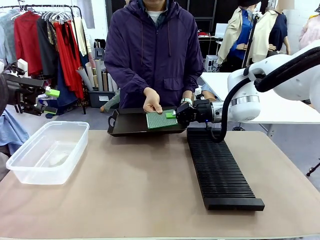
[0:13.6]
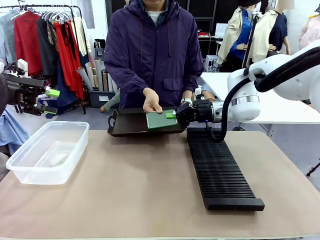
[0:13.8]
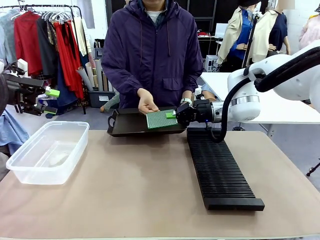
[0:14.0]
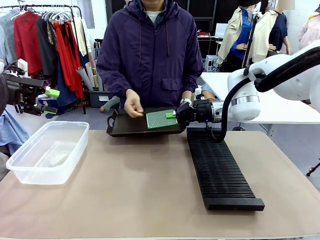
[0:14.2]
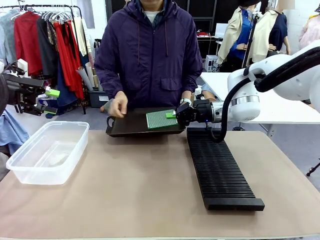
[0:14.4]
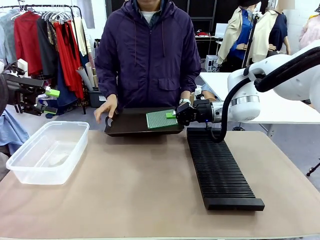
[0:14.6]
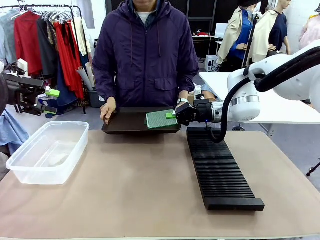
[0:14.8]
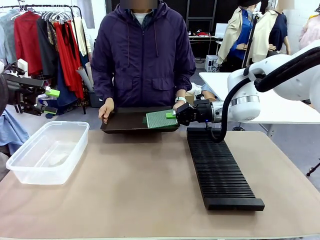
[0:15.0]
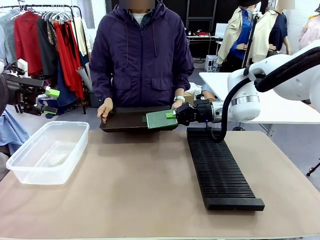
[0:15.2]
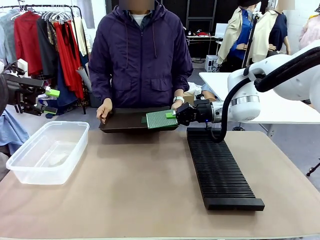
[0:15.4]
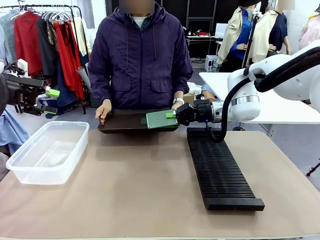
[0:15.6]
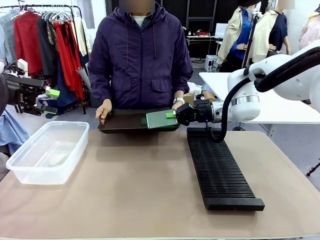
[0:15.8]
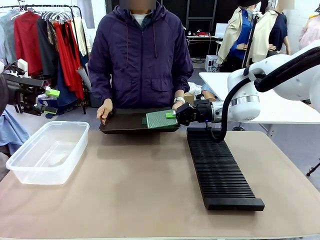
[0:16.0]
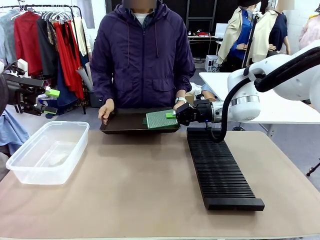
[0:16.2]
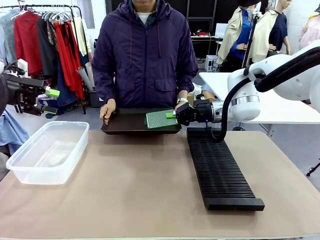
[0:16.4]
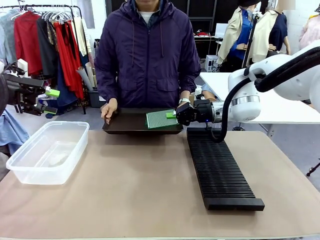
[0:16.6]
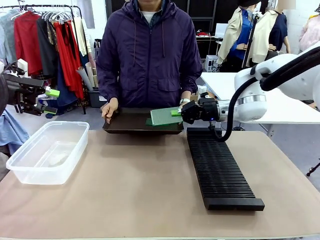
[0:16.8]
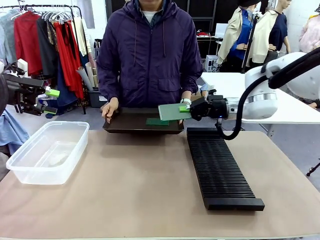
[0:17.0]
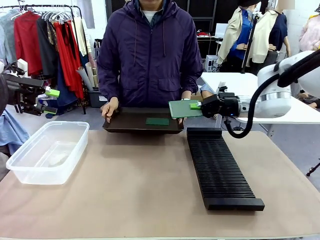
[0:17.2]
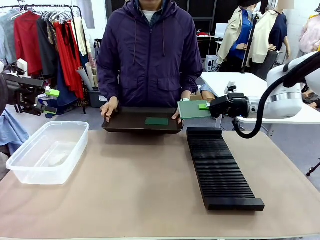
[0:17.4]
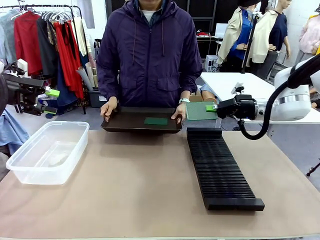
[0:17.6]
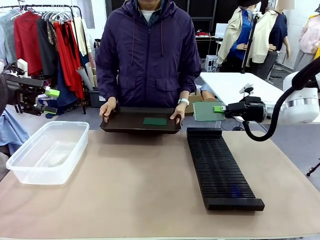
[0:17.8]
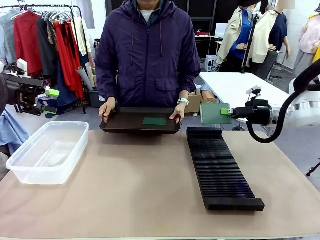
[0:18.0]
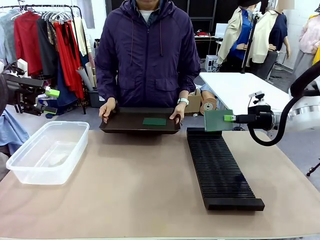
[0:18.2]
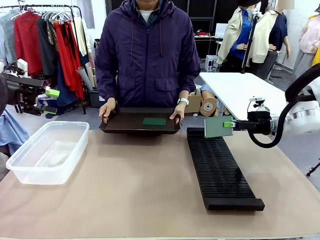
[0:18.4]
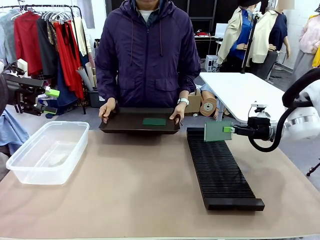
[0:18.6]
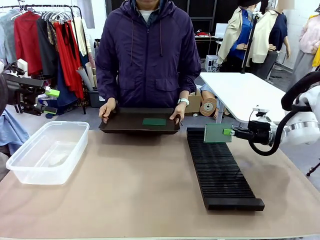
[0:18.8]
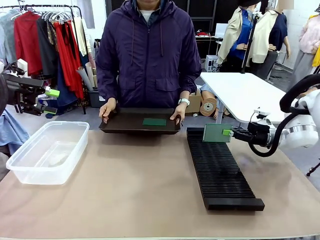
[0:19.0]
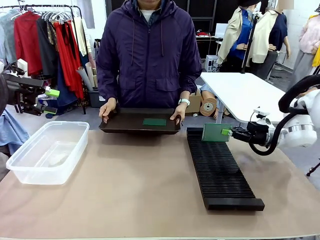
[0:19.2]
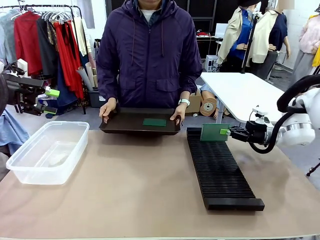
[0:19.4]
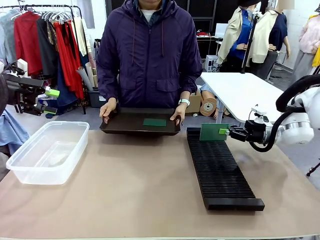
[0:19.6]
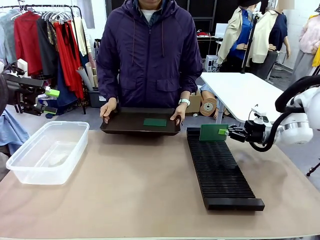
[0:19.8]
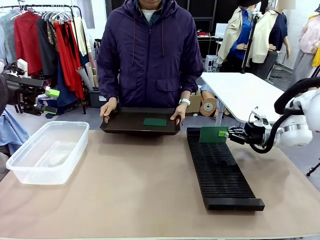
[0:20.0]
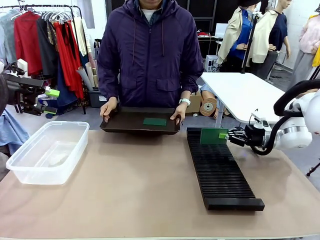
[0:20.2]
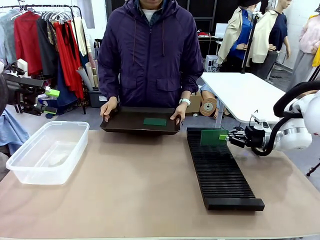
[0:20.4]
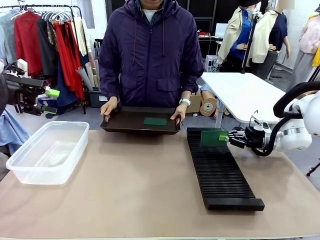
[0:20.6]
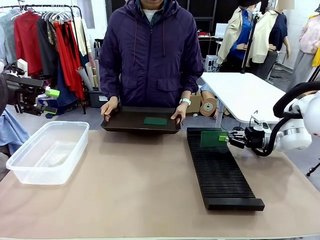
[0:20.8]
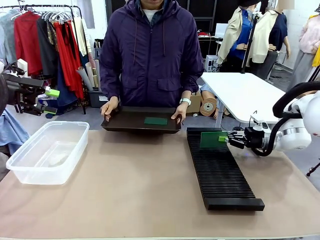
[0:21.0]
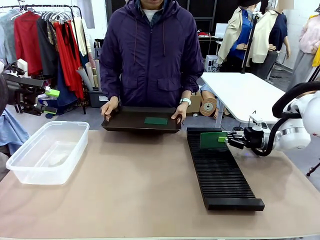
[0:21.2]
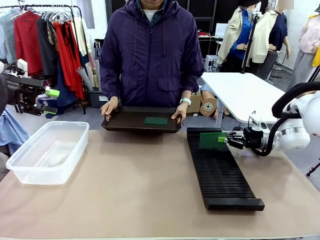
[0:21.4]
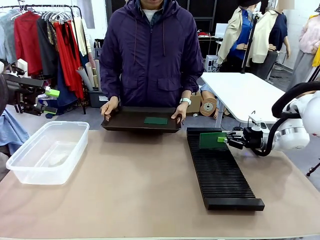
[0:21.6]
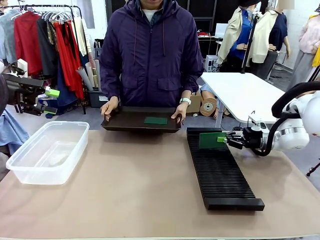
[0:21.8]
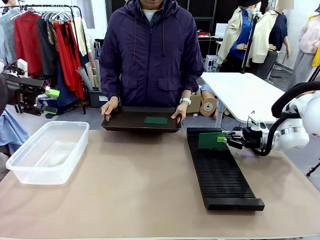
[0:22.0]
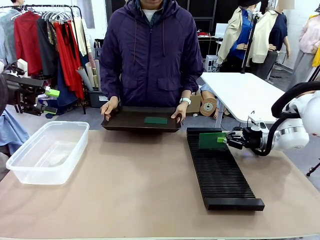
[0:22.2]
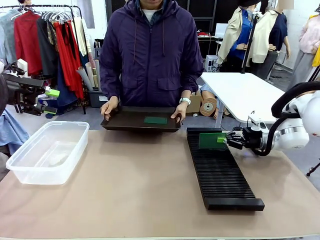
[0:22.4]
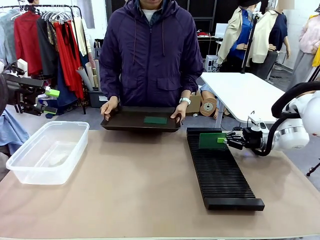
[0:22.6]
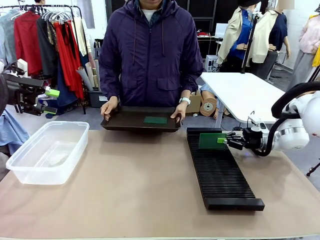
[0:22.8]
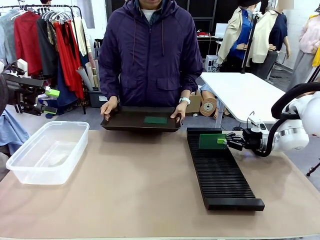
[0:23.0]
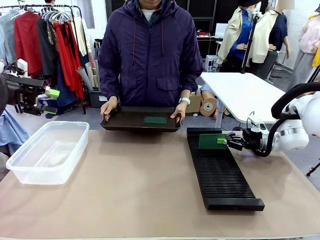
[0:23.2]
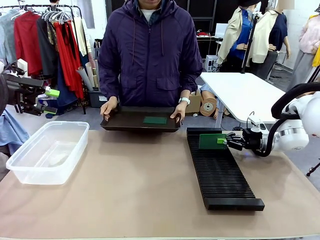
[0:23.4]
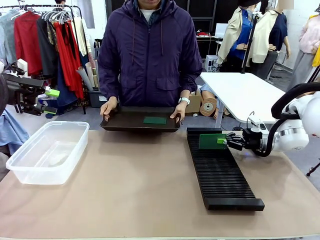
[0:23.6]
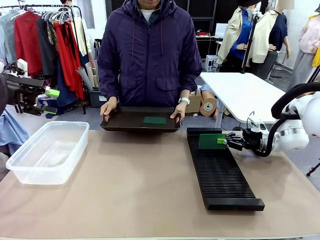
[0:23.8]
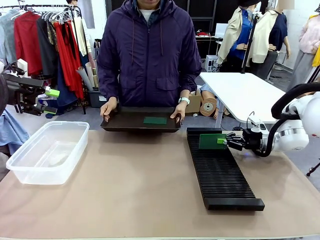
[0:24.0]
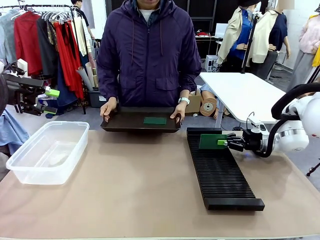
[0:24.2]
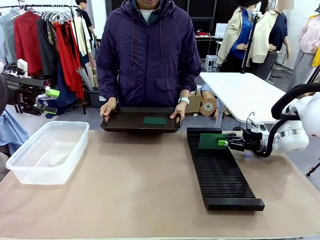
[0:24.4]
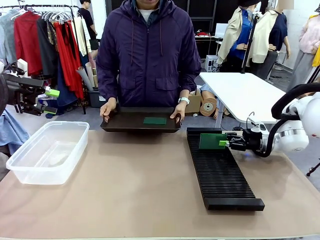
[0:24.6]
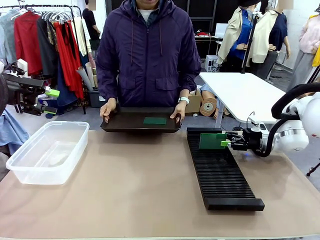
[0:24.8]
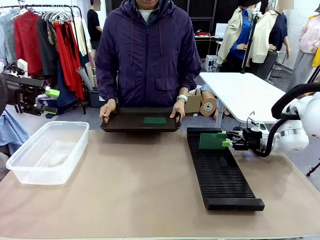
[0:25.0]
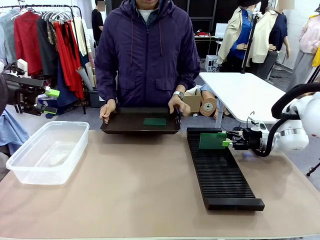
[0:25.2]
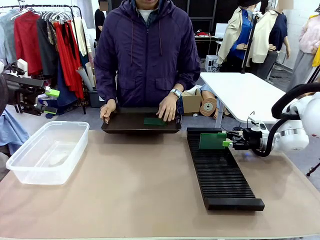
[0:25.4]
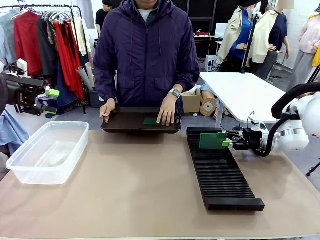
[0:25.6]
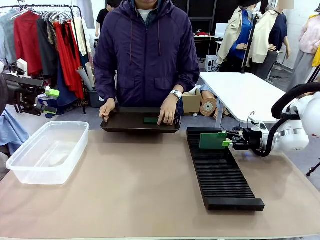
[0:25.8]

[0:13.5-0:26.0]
Task: Sort PCBs into racks and boxes based on the side picked up.
Robot: If the short side of the Blank PCB is picked up, insert it into the PCB Rack ; if the long side is picked up, place it in the Organizing box.
Person: Pick one PCB from the tray and present it to the robot.

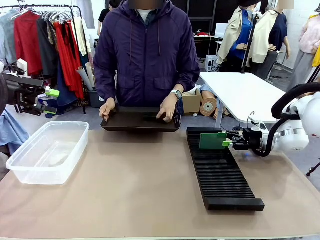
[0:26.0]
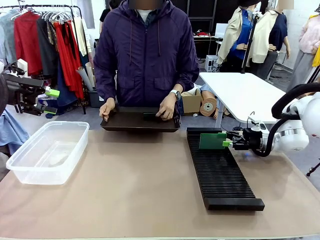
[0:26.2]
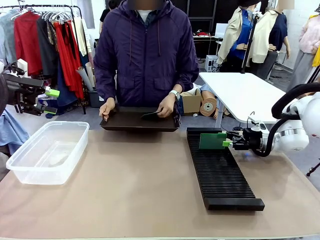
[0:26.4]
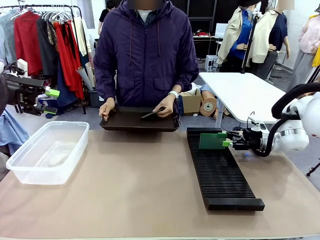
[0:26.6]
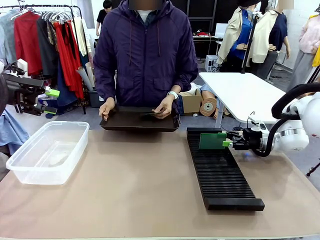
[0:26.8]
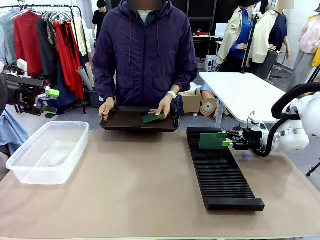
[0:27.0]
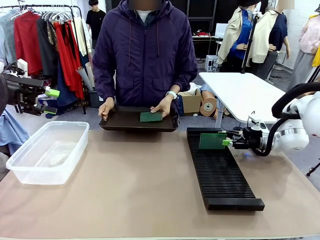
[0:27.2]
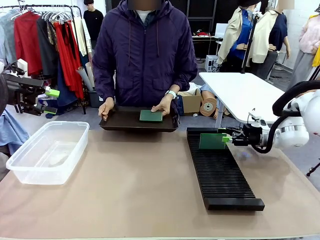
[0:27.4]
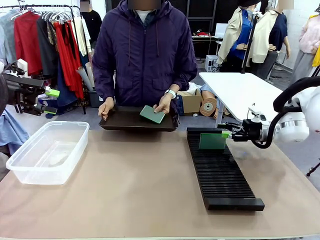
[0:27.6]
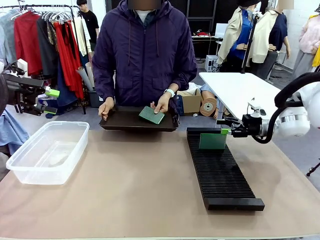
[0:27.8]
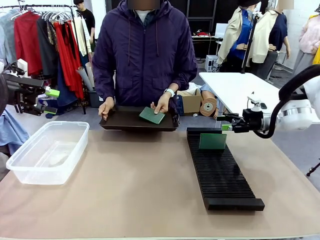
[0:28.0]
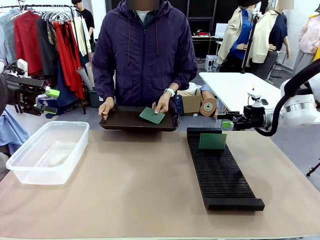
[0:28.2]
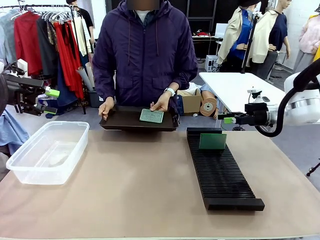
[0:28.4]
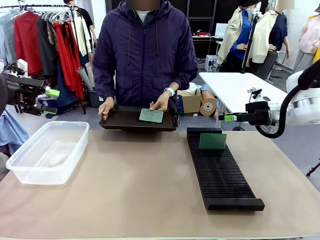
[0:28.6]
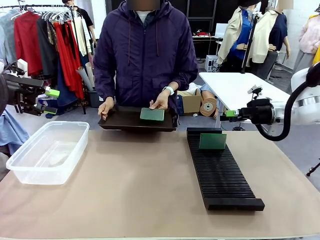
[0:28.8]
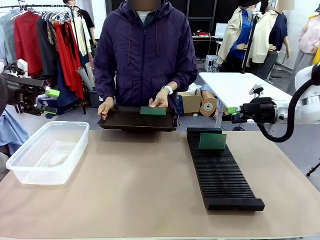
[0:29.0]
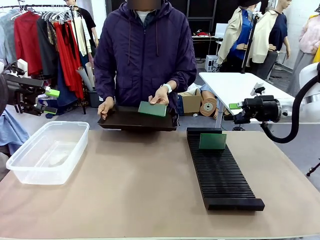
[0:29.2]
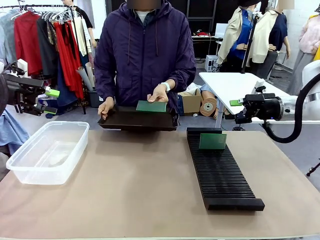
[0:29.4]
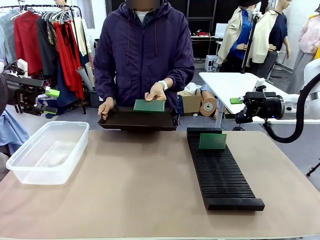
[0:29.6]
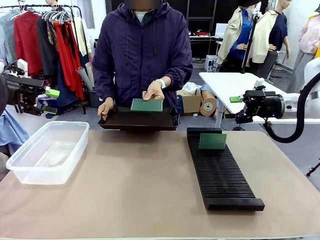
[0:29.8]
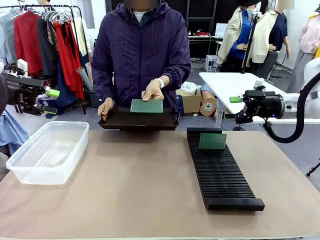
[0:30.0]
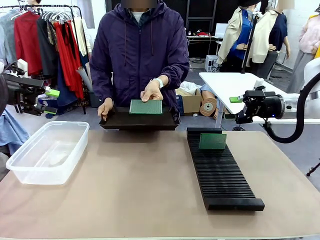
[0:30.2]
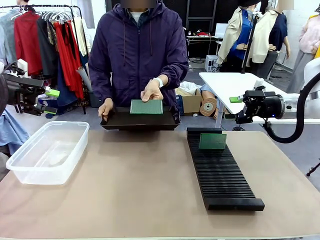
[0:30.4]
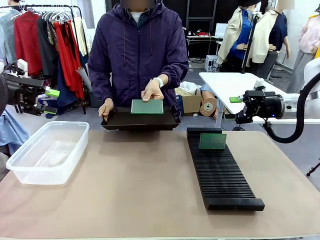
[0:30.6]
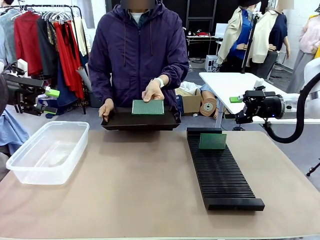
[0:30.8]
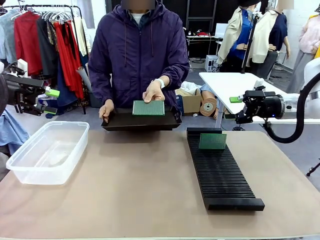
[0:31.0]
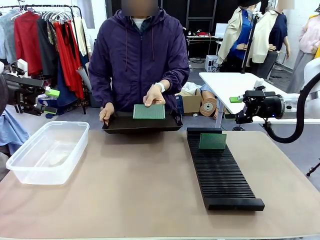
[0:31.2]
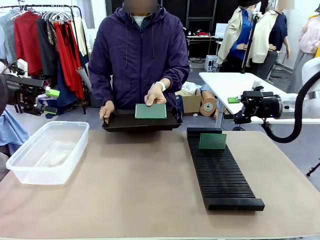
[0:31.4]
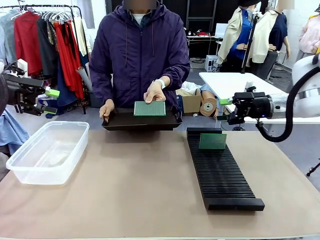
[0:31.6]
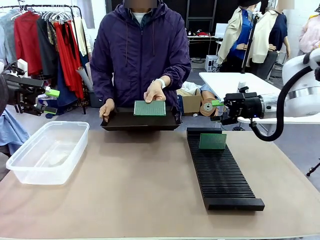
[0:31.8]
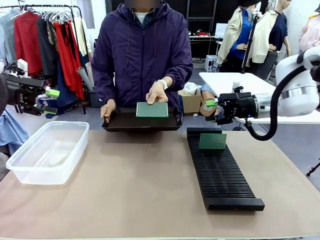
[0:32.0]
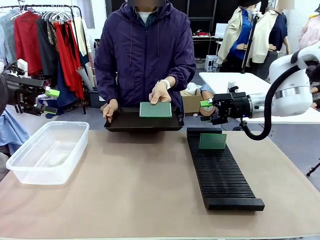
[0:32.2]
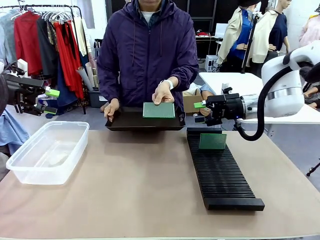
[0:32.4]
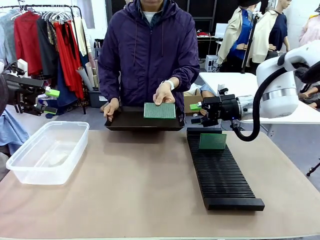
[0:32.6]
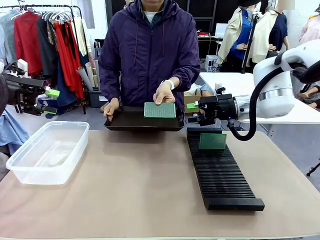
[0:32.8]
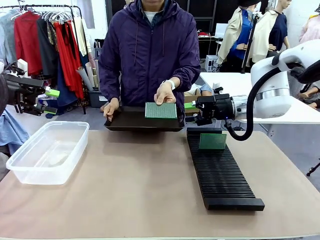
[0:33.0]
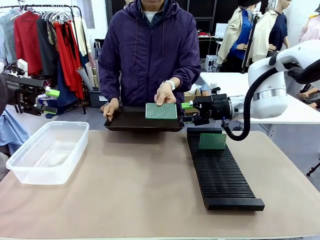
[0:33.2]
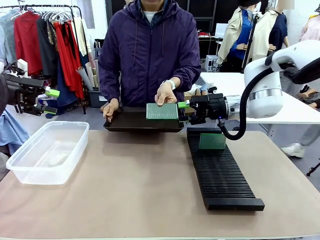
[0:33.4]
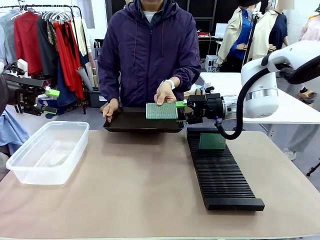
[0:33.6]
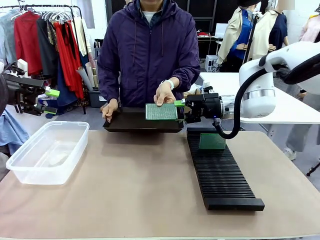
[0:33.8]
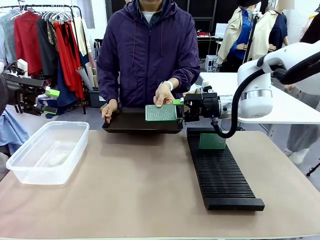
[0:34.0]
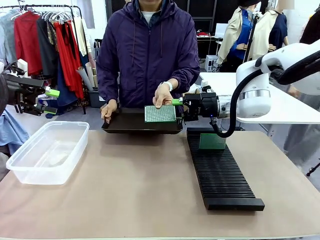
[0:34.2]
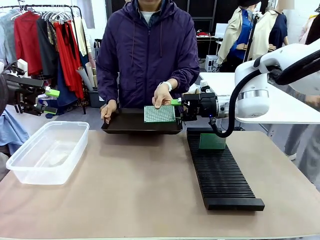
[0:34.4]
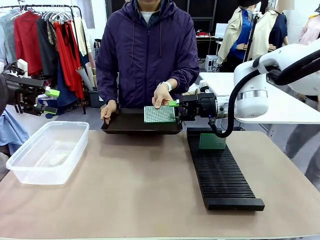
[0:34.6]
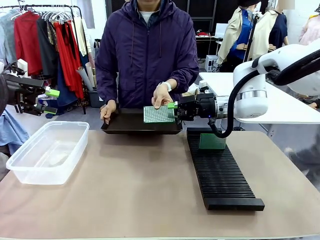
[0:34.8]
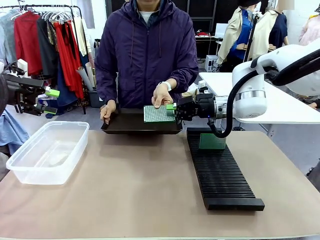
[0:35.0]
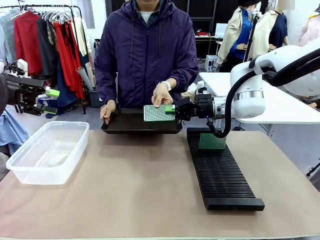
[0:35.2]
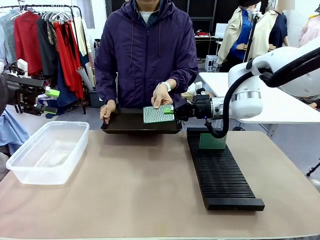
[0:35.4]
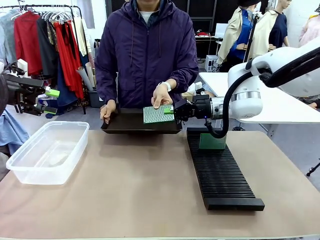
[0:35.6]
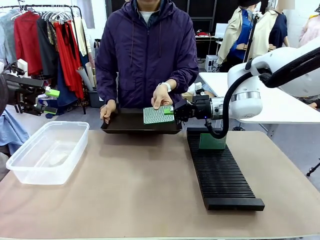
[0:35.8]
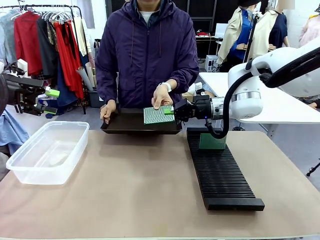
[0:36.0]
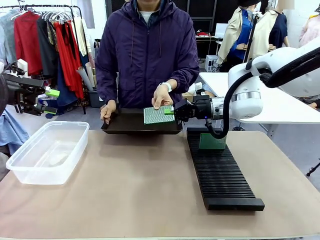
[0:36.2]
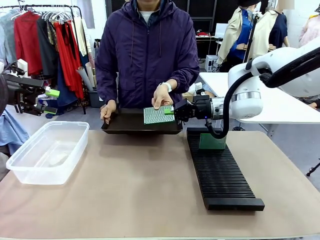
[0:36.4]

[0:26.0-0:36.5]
Robot: Pick up the Blank PCB handed by the Human.
